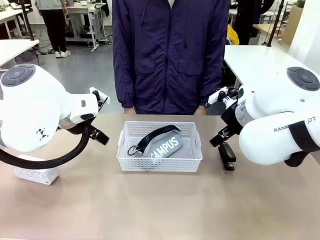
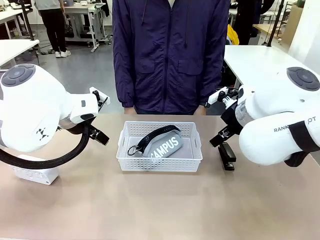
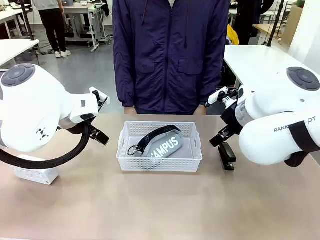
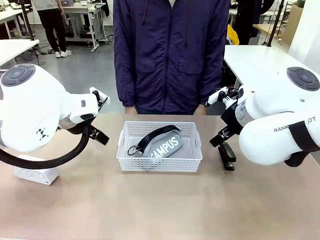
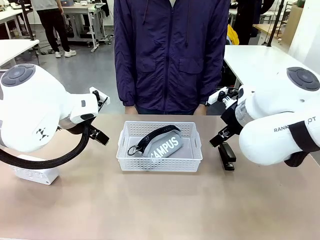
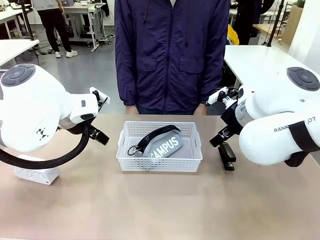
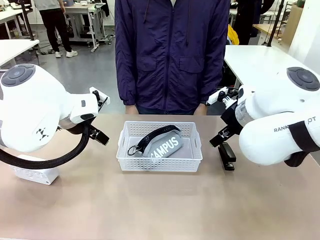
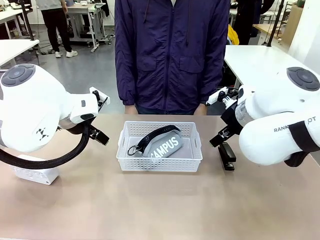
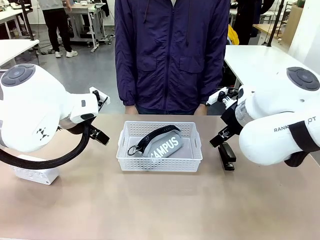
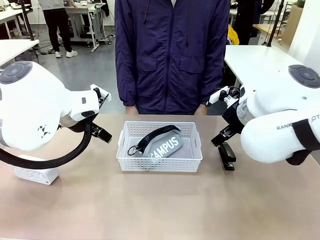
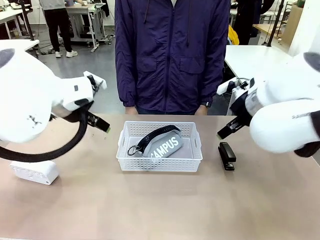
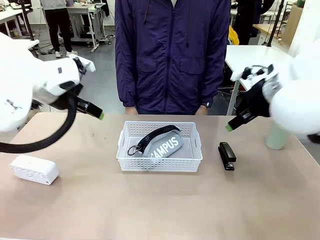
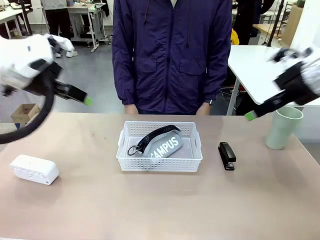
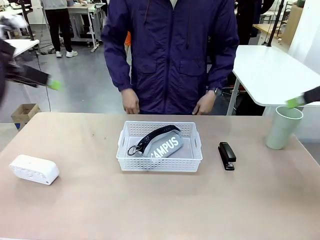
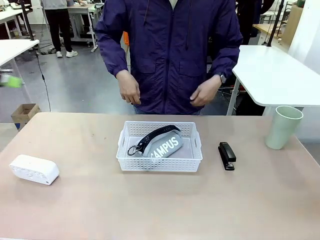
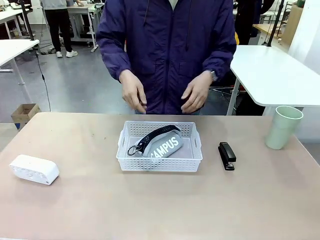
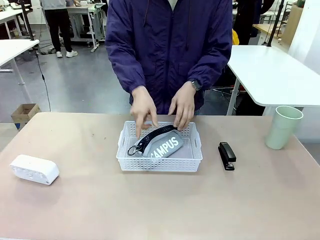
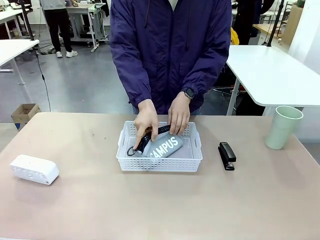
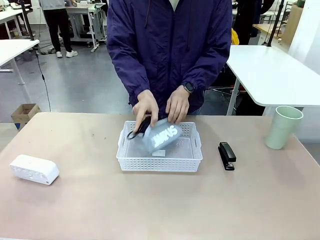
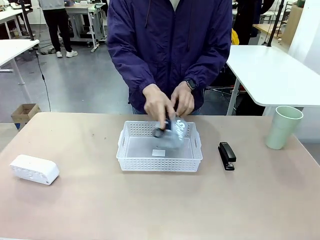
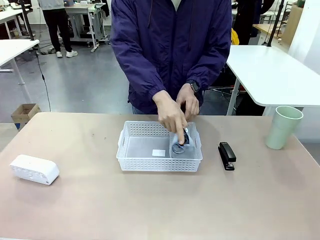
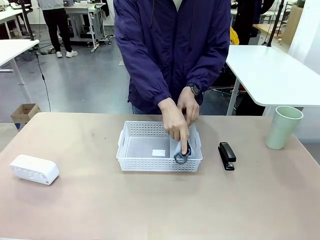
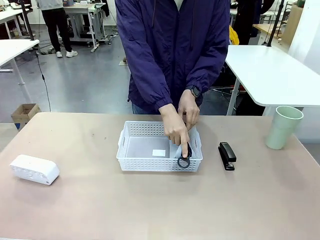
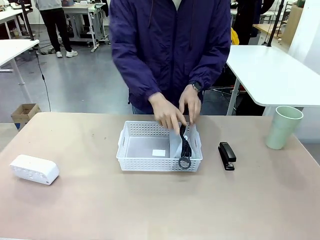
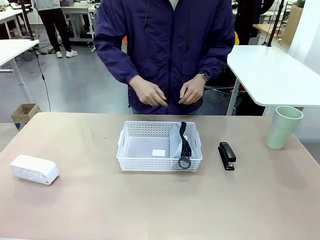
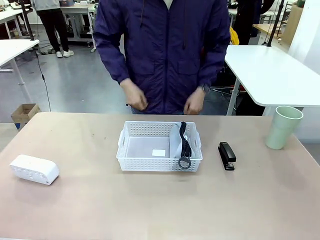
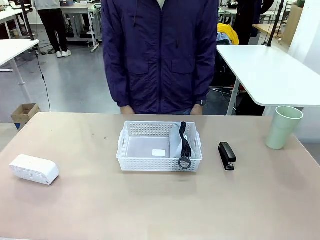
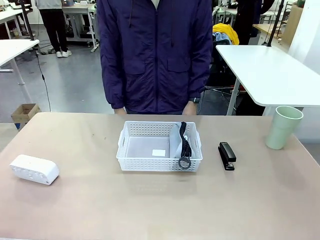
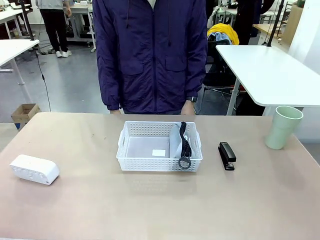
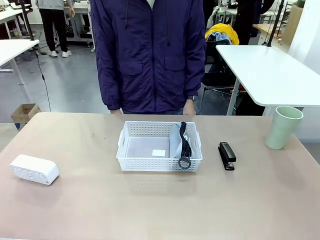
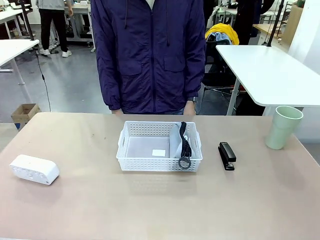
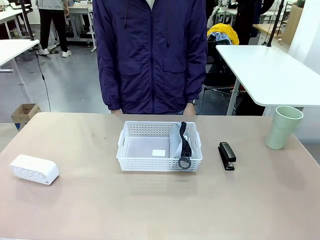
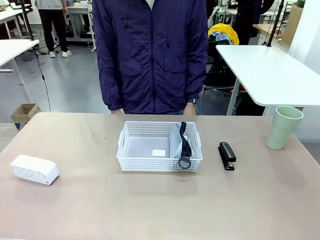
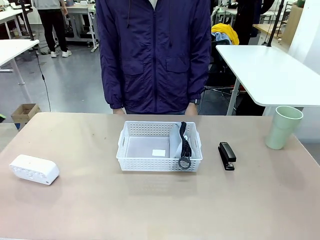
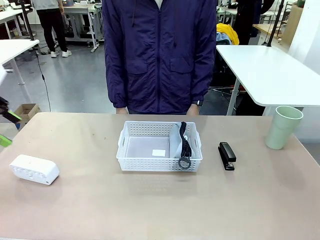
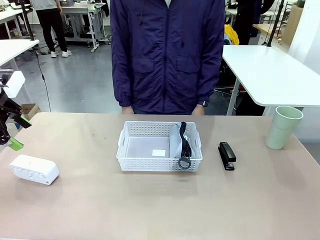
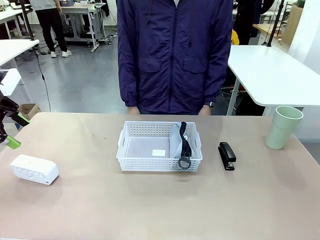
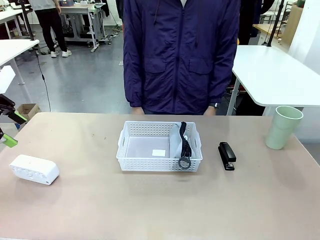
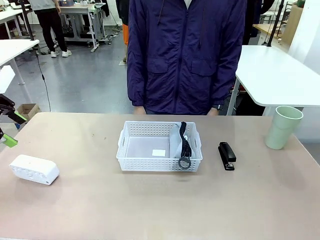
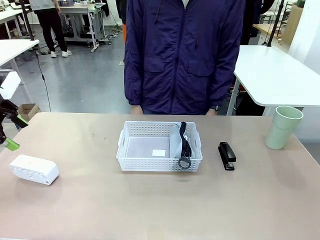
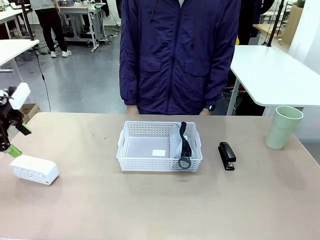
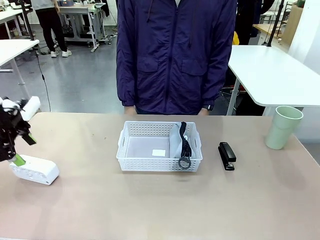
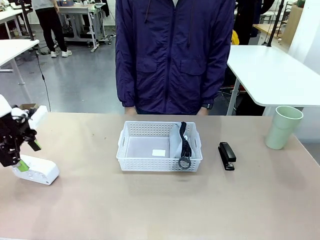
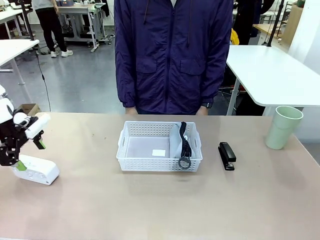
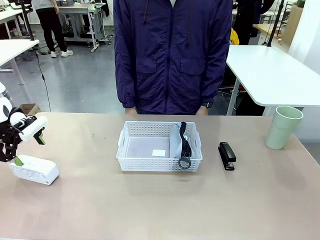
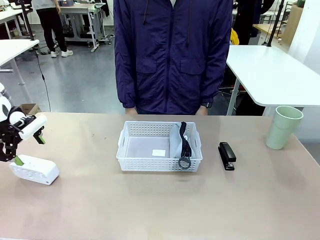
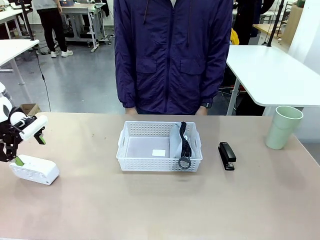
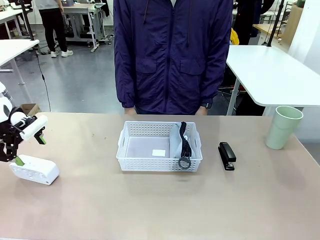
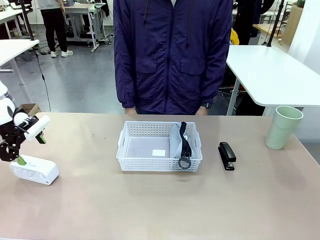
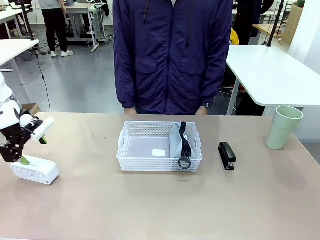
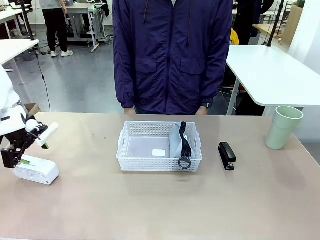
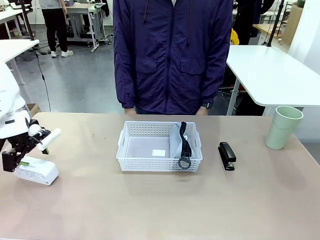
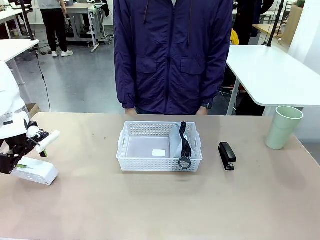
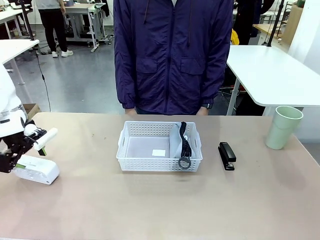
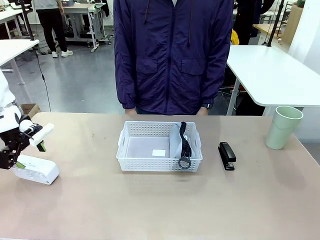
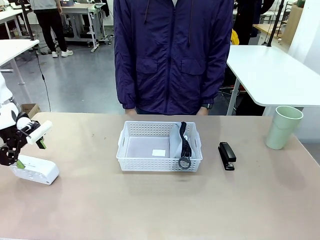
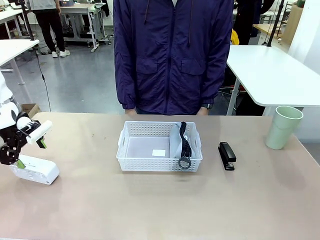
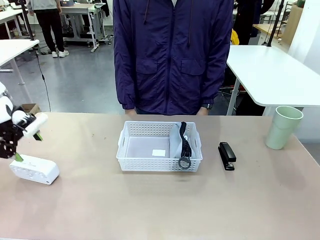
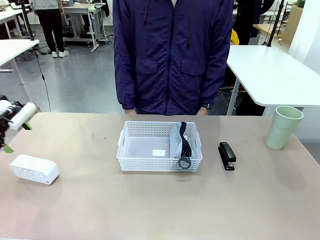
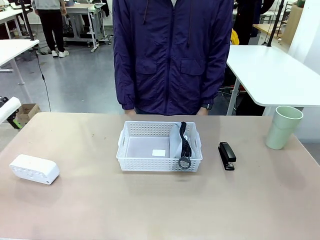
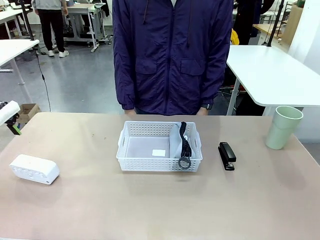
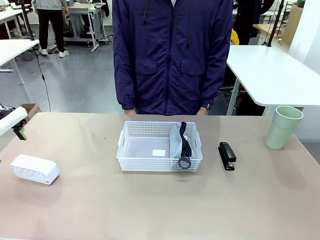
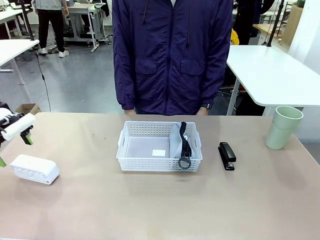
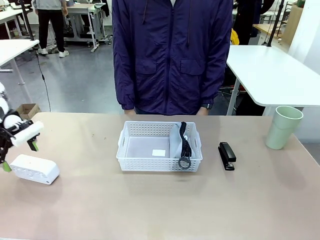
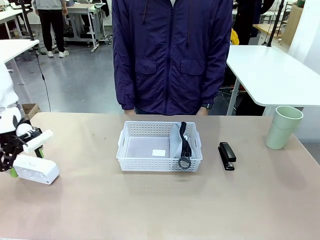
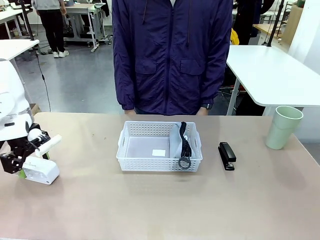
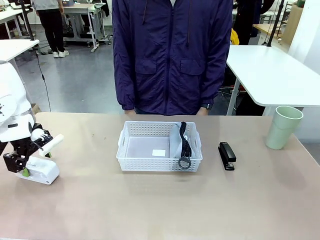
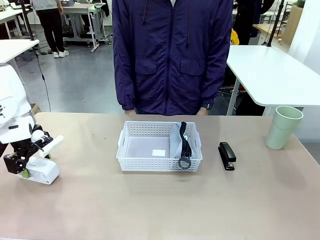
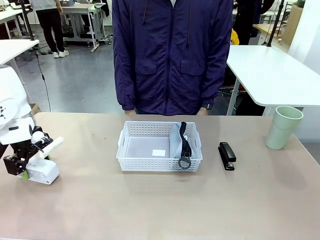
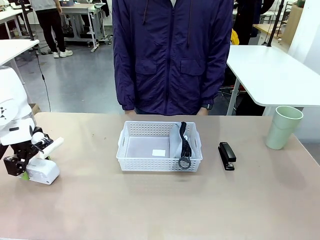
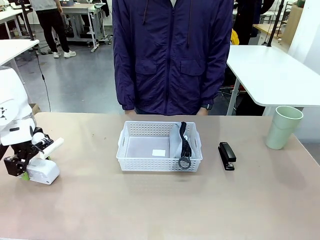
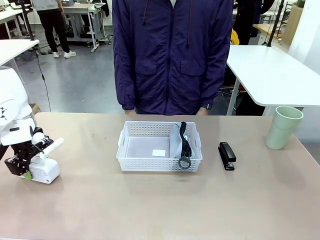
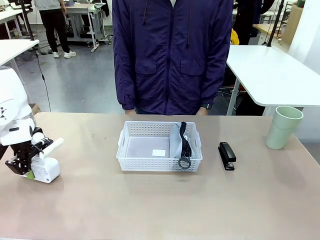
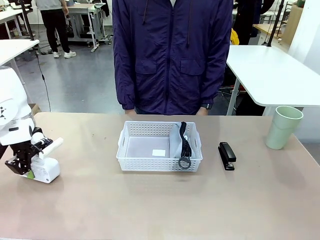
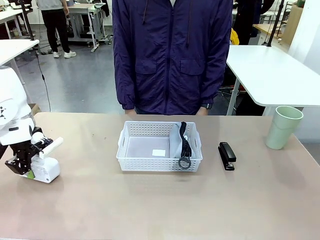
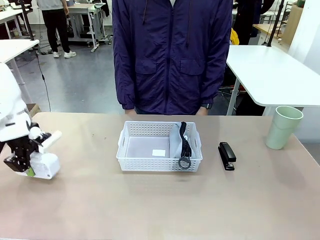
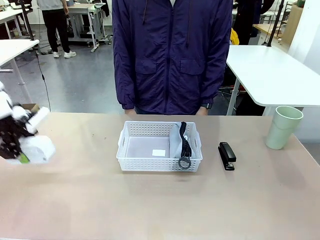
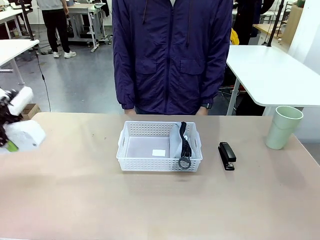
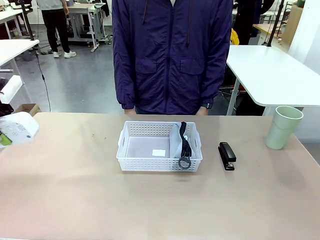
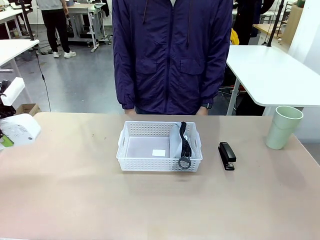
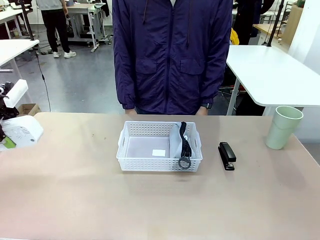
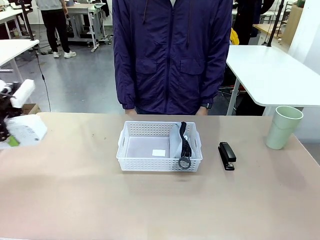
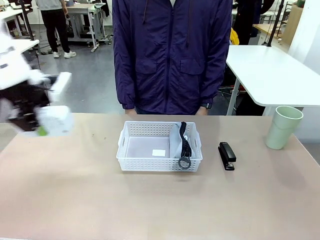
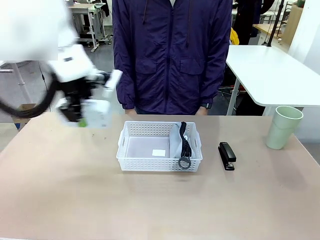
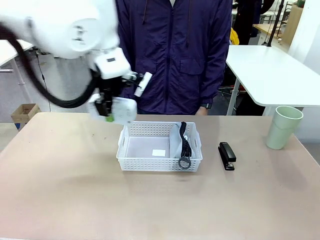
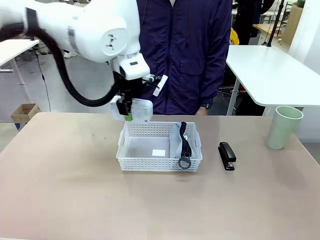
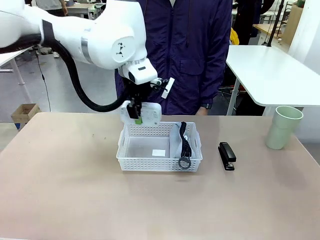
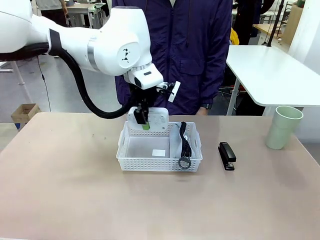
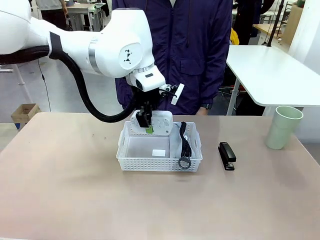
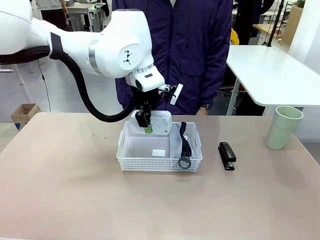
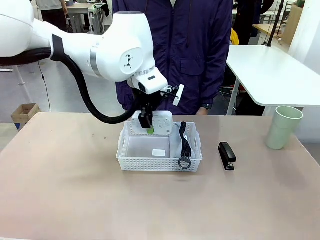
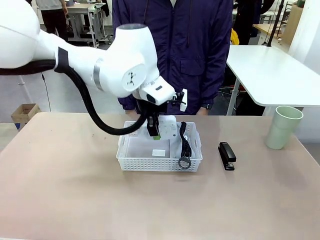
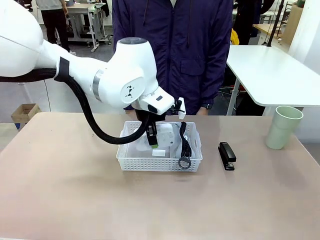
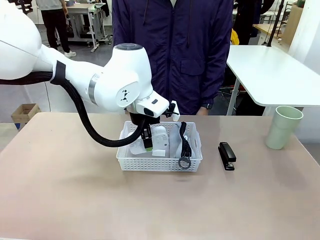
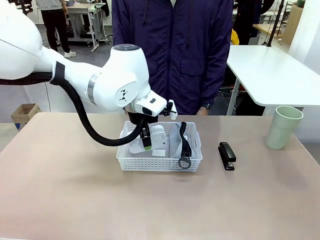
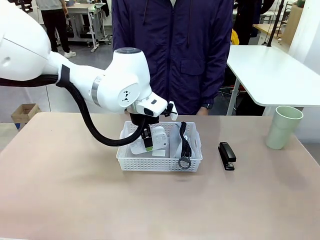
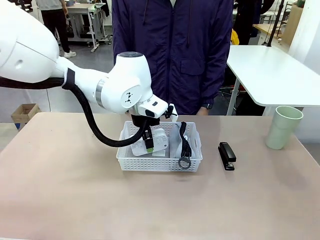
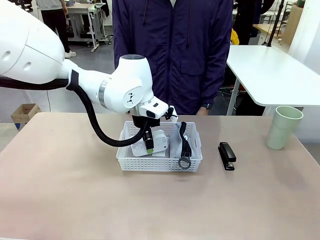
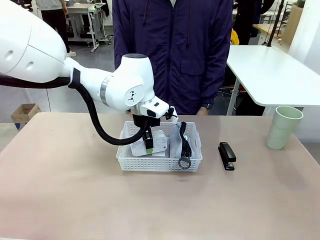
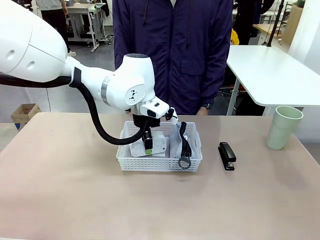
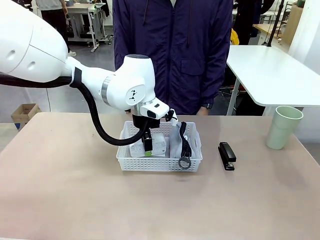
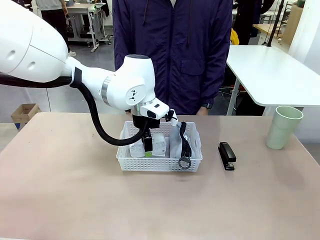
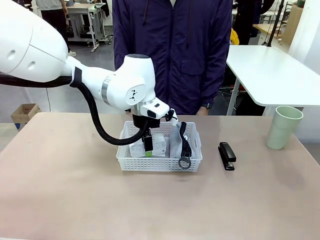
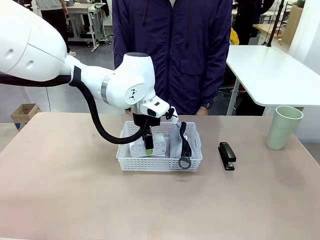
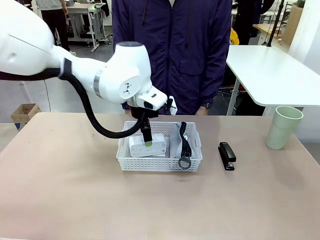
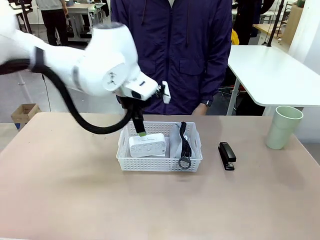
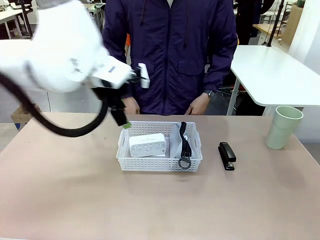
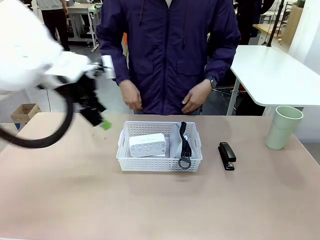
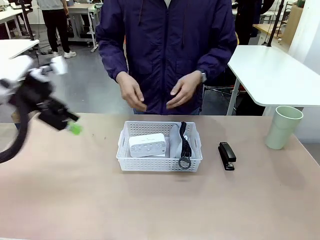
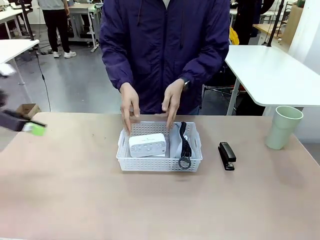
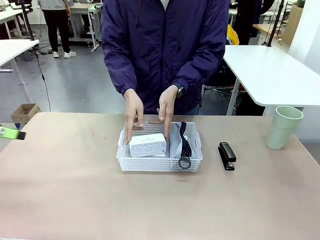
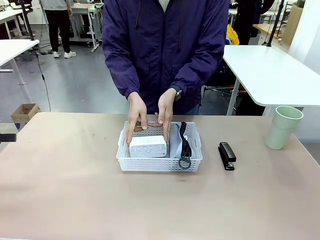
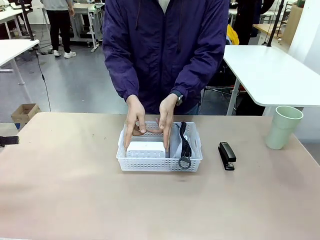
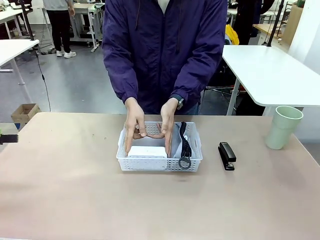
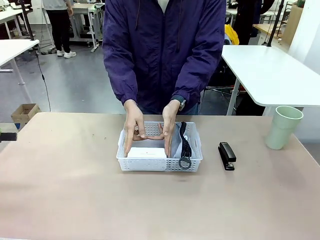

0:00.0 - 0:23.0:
Task: Efficiently arrange items inside the basket to fit them all.
Robot: Pick up the Digital clock and place it inside the Organizing basket.
Person: Repositions the pencil case. Repositions the digital clock.
